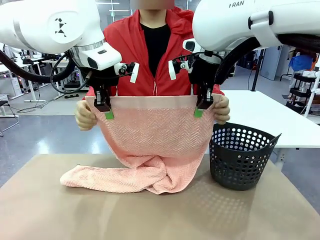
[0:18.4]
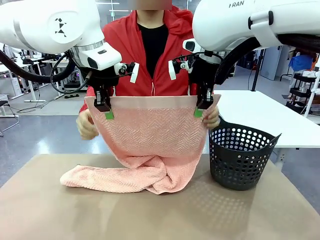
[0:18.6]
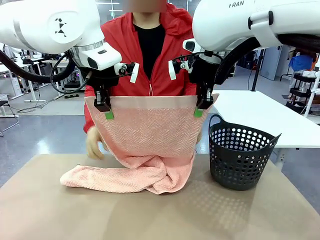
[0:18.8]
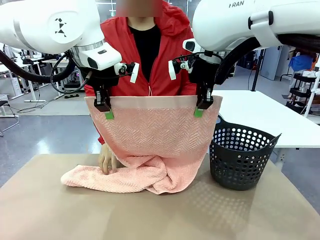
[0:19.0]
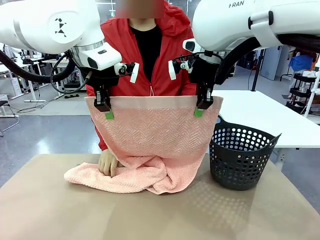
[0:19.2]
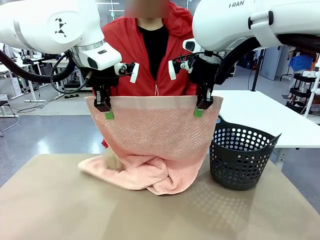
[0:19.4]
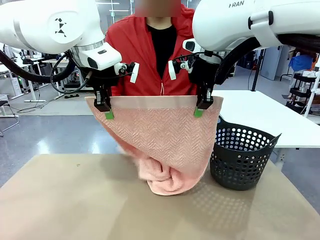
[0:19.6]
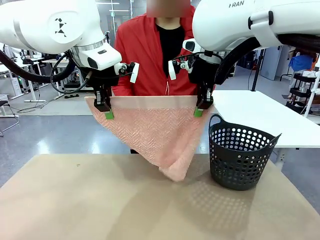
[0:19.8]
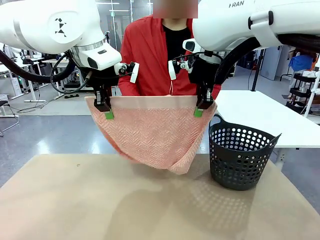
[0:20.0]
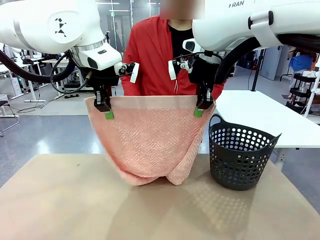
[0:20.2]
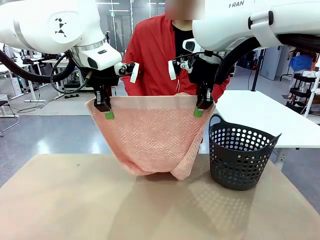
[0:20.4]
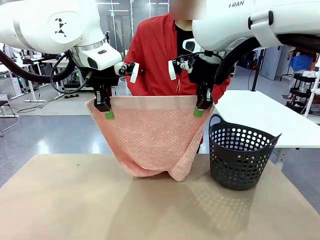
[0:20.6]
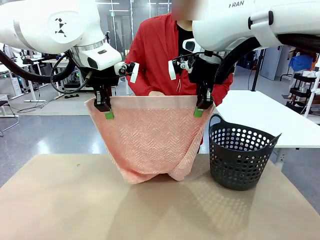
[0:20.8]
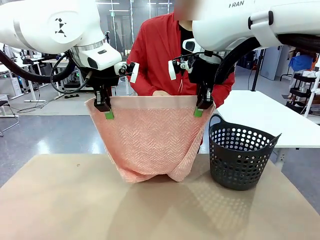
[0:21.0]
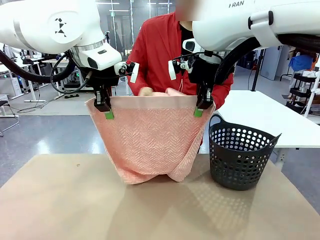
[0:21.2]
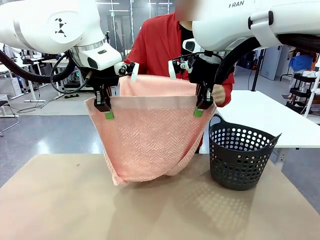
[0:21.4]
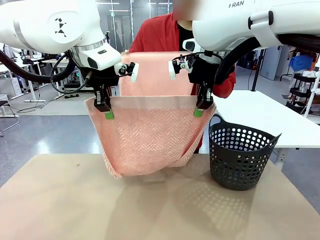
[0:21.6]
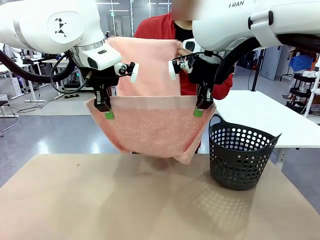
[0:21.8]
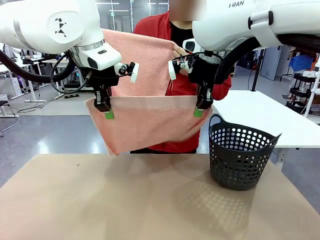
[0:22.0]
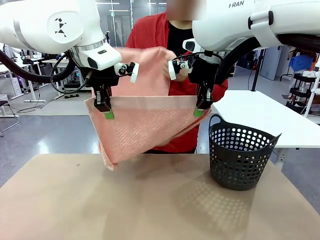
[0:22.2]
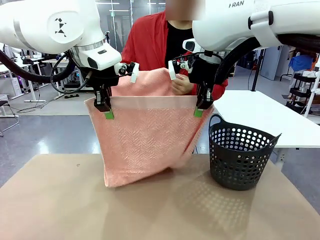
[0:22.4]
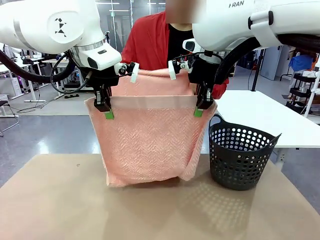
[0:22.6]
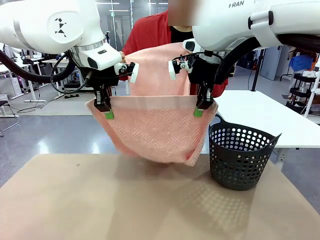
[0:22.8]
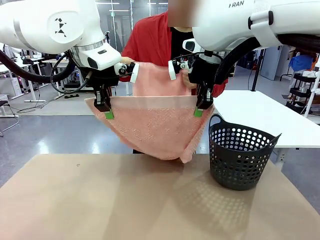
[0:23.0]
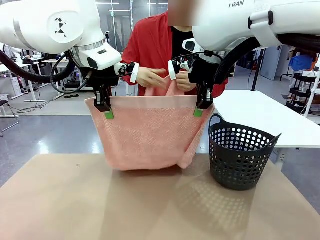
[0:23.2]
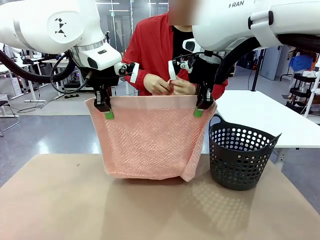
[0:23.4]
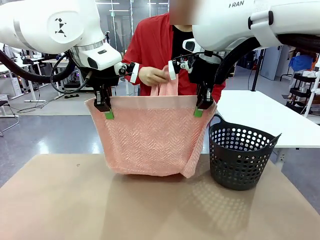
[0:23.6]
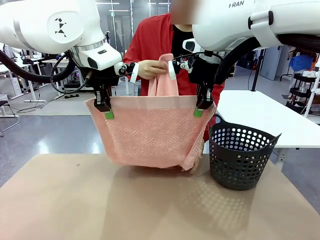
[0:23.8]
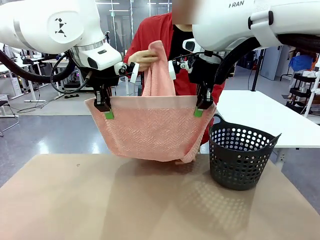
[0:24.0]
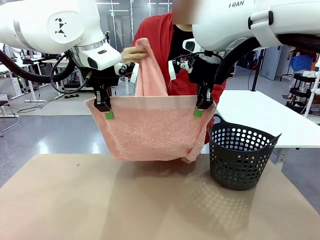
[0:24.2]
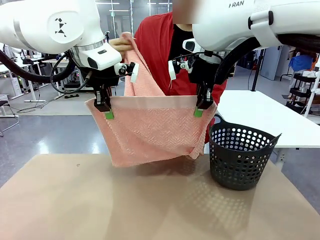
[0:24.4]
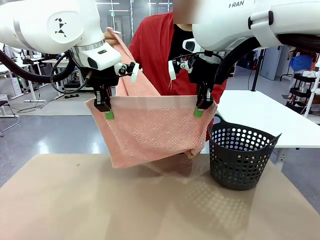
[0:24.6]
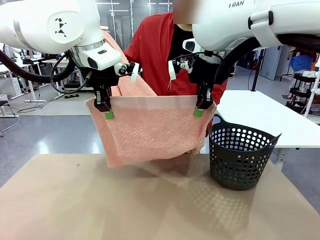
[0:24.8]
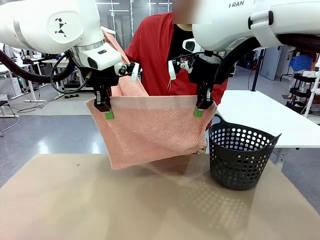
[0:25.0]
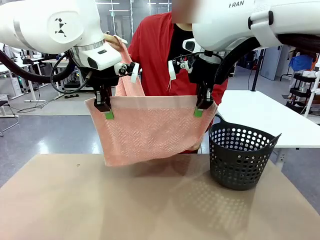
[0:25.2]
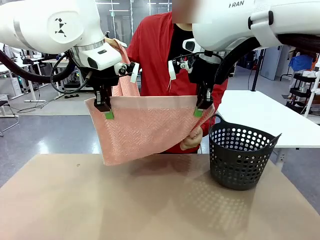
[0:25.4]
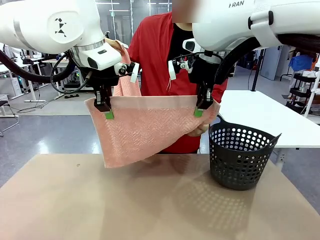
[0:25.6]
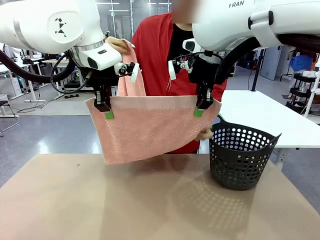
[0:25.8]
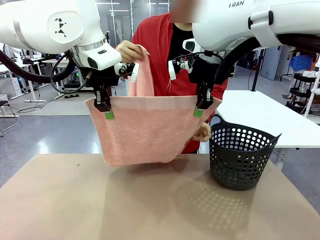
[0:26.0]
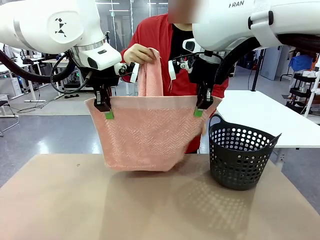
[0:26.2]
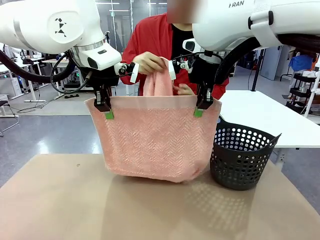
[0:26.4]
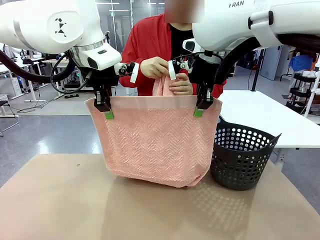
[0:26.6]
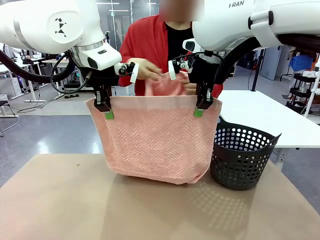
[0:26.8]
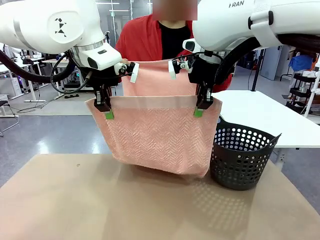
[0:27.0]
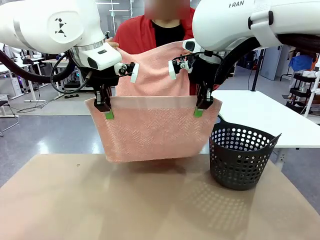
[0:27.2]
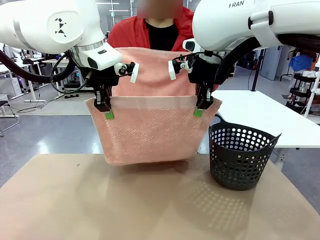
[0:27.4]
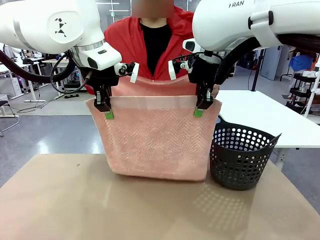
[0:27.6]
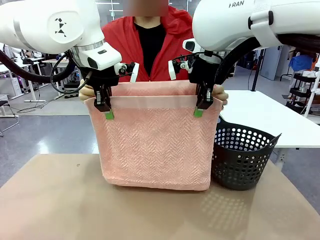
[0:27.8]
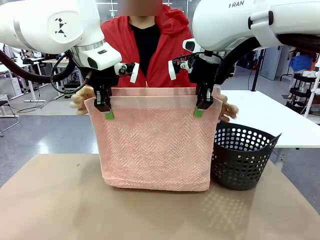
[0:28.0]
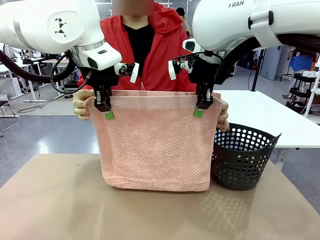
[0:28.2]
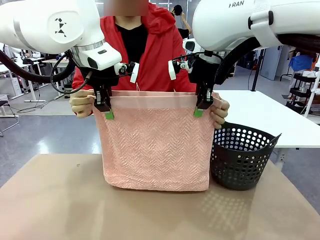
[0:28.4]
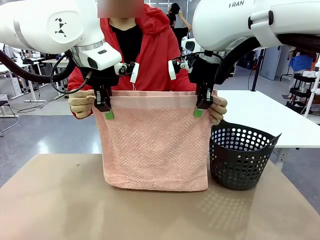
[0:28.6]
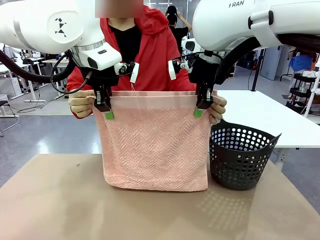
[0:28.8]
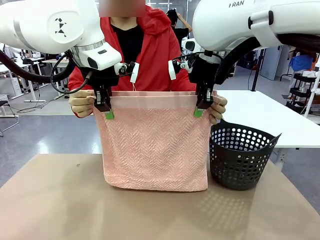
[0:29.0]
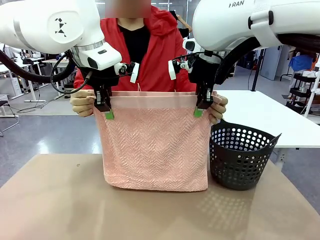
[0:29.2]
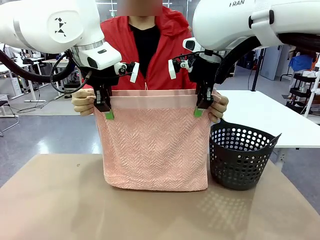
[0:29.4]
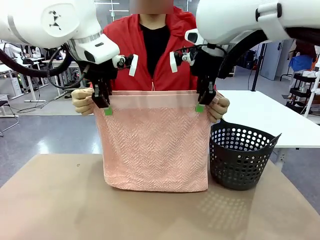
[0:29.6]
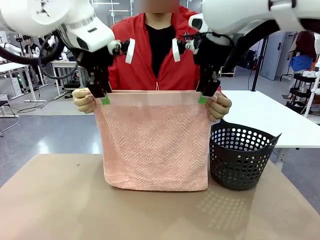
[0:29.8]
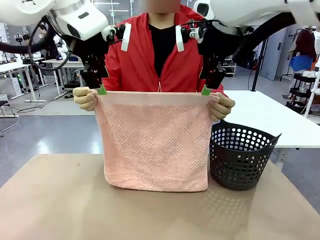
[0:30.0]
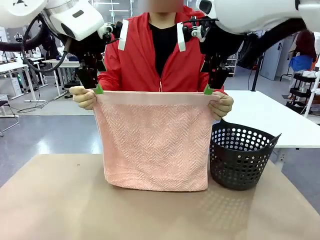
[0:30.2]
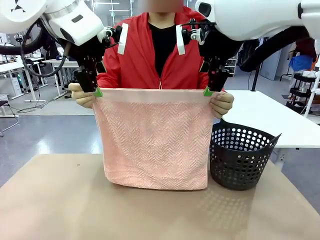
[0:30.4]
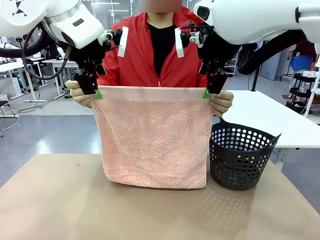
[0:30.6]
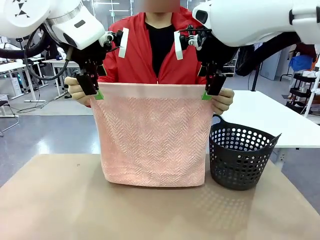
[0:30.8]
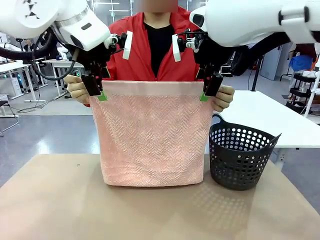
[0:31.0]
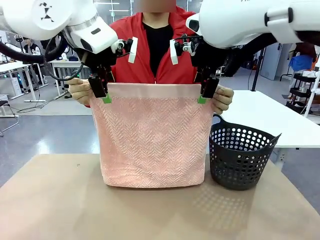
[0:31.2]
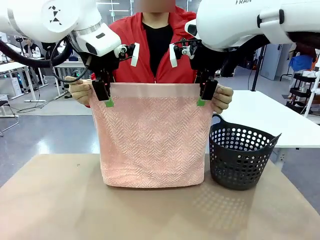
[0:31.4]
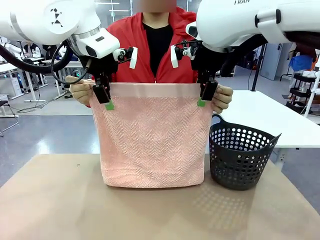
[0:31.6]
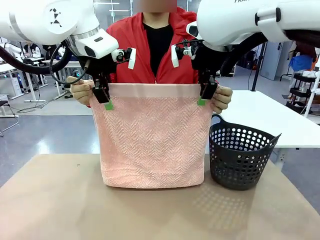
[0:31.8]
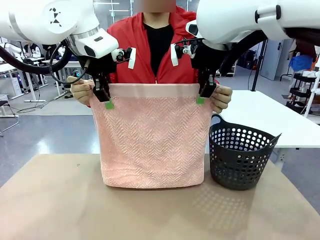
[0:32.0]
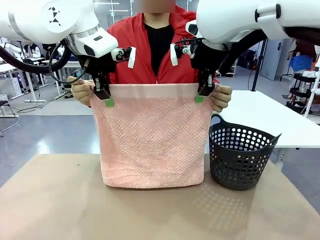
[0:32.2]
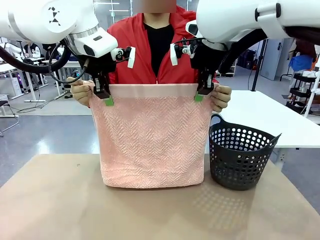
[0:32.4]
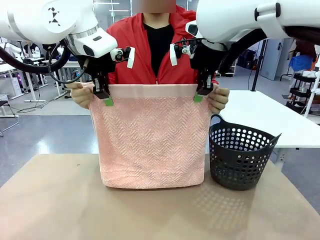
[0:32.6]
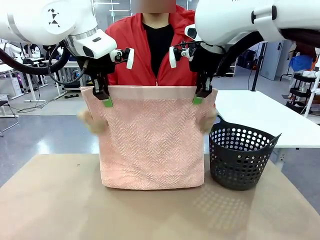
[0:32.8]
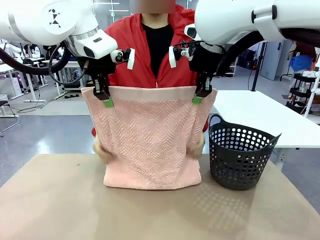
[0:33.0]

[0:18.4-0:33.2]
Task: Fold the towel.
Robot: Release the end of the 100 cm Hotel Towel you were holding and grab the top end of the folded side.
Person: Using the point held by the robot as a reference, grasp the opposite end, fold the towel in half, and then hold both ends of the folded towel.

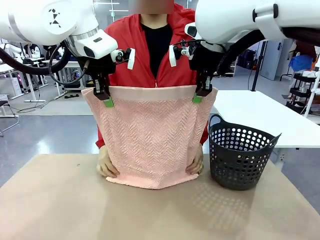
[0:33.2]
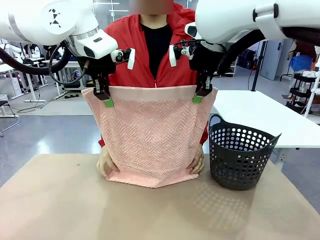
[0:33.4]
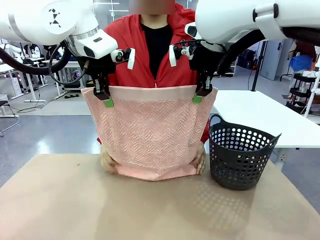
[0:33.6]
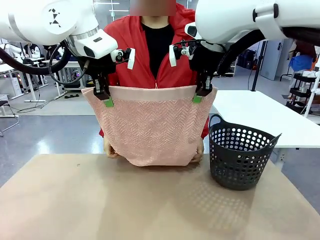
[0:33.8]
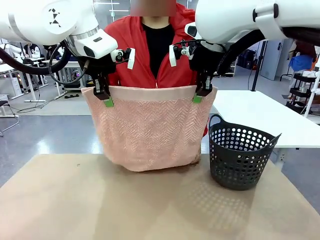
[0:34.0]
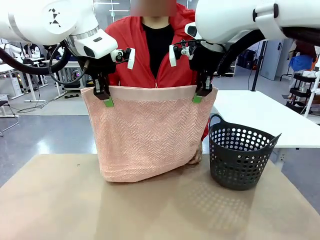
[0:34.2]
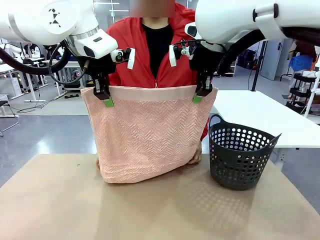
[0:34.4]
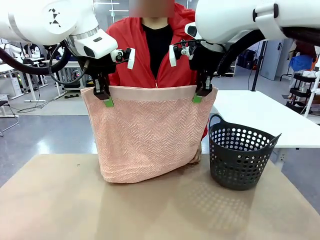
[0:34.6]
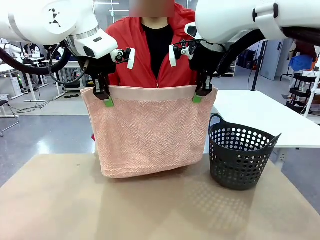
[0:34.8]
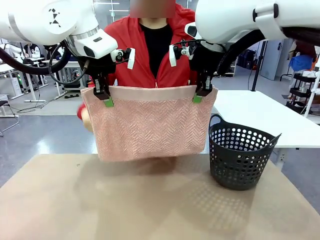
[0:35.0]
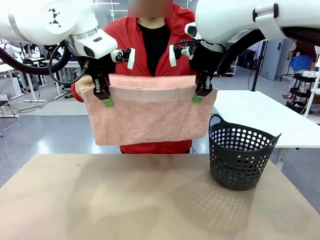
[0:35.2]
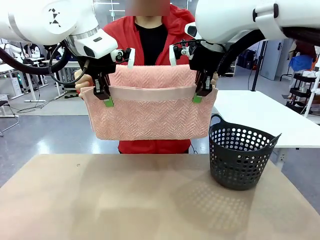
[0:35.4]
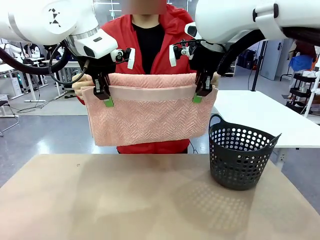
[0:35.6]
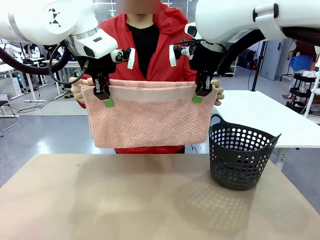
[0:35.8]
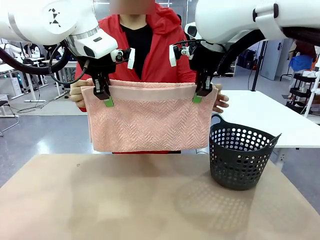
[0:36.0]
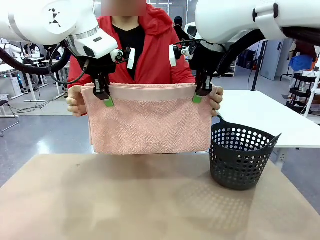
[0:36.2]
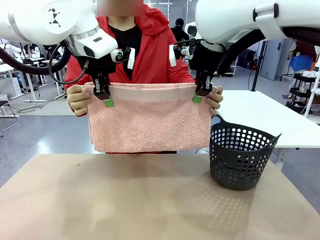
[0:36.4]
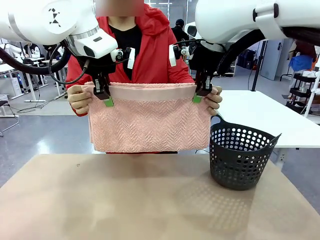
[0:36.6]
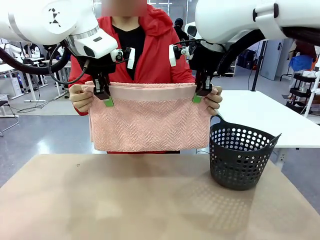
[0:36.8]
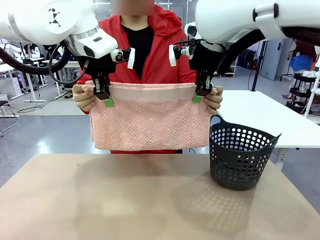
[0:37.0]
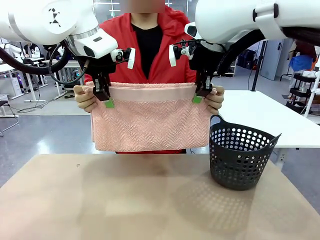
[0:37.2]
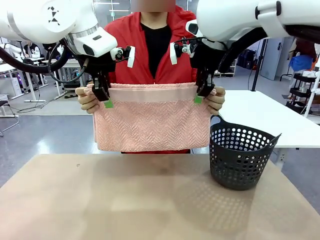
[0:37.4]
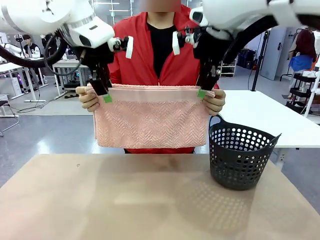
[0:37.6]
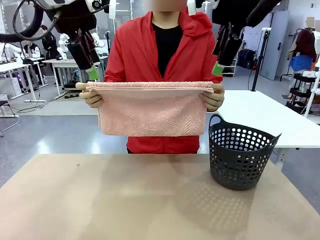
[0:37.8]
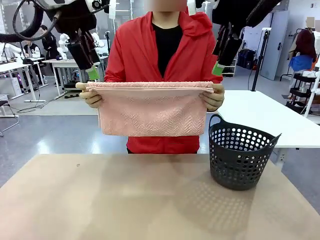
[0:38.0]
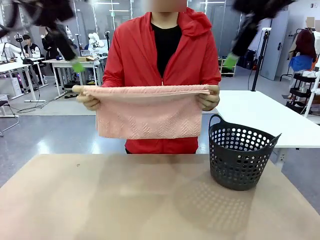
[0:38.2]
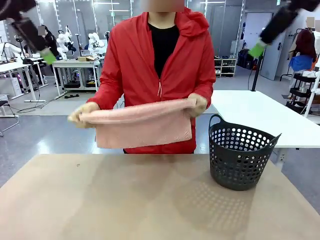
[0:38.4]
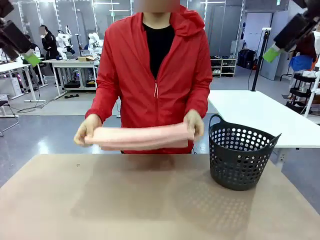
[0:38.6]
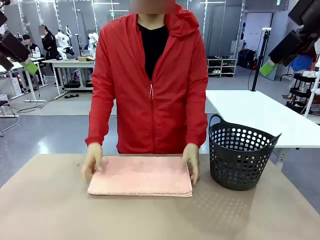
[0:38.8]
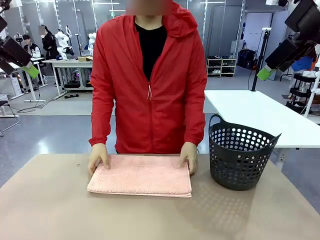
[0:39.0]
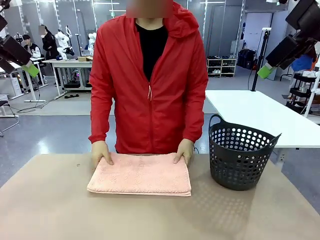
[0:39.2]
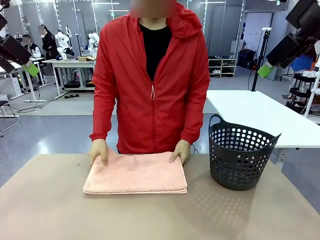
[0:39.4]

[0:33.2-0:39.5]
Robot: Release the end of the 100 cm Hotel Towel you were holding.
Person: Place the towel at the center of the robot table and fold it in half.
